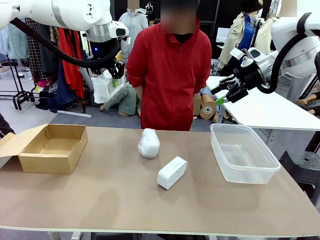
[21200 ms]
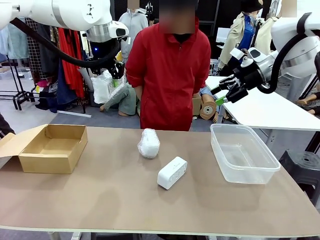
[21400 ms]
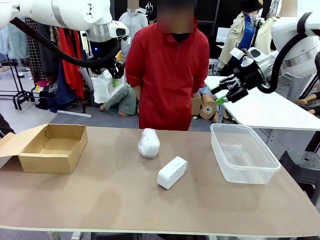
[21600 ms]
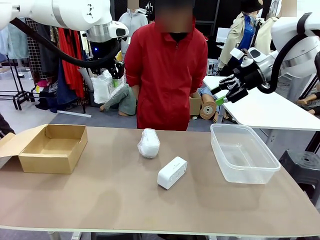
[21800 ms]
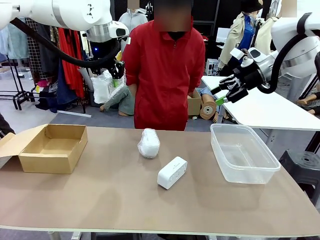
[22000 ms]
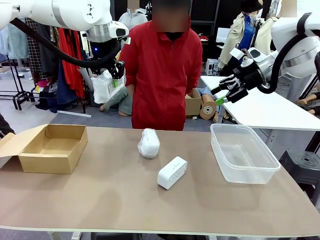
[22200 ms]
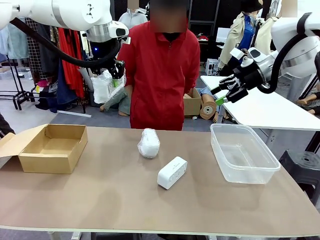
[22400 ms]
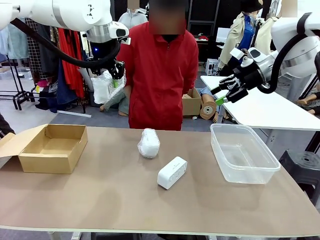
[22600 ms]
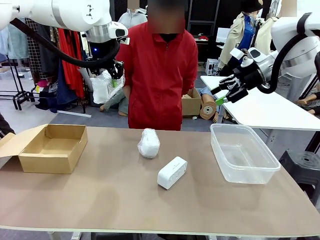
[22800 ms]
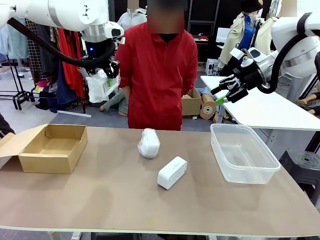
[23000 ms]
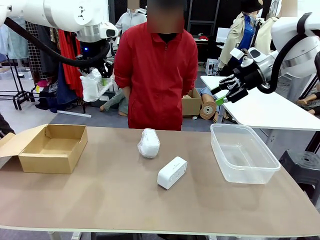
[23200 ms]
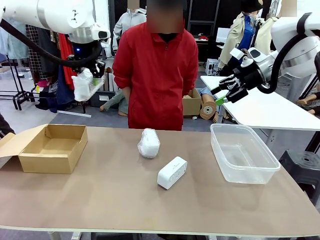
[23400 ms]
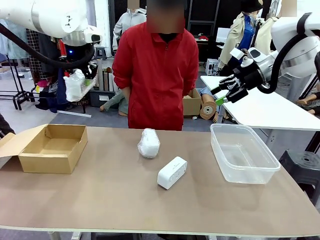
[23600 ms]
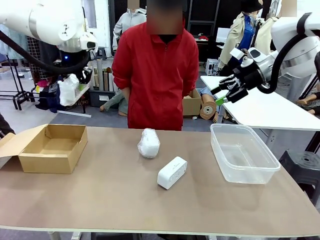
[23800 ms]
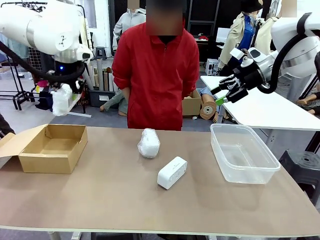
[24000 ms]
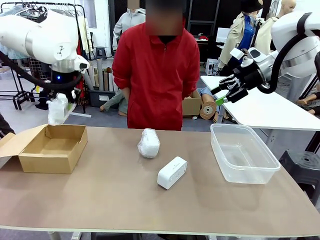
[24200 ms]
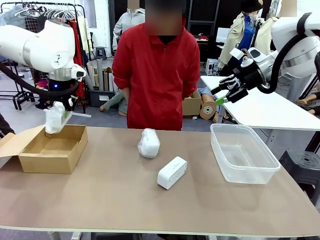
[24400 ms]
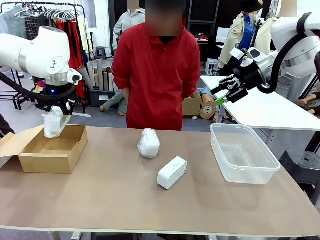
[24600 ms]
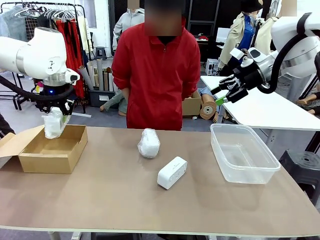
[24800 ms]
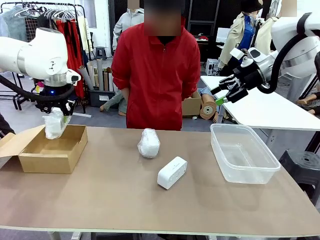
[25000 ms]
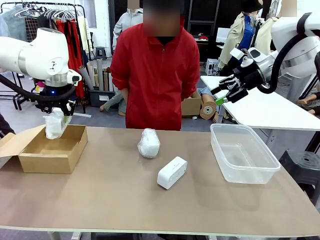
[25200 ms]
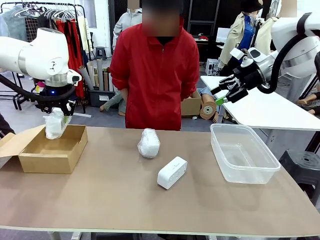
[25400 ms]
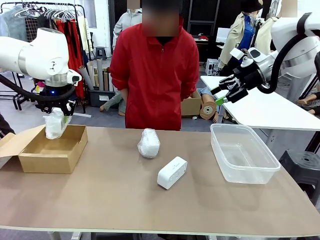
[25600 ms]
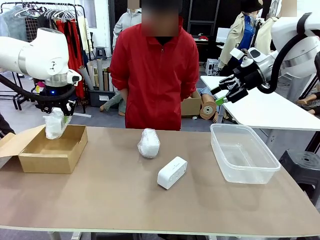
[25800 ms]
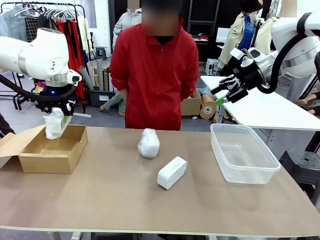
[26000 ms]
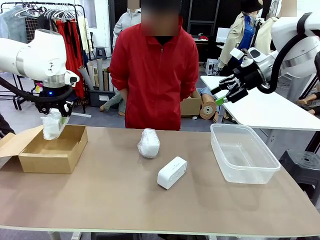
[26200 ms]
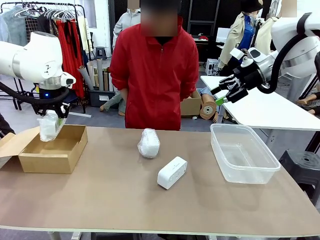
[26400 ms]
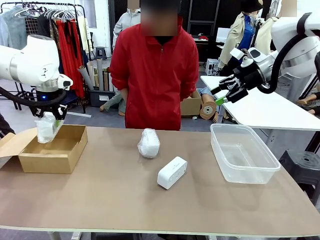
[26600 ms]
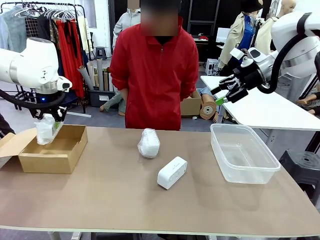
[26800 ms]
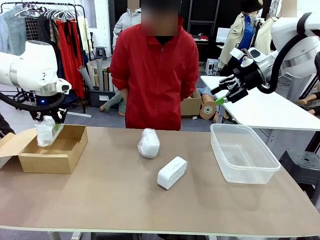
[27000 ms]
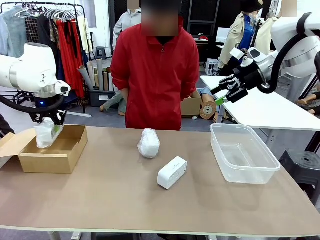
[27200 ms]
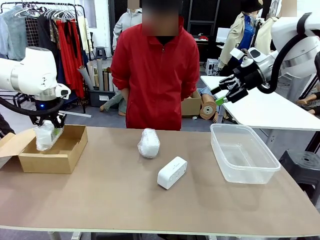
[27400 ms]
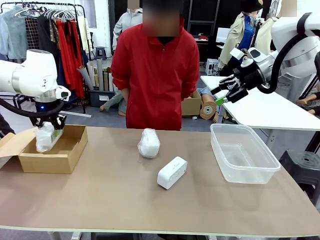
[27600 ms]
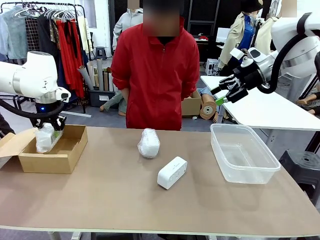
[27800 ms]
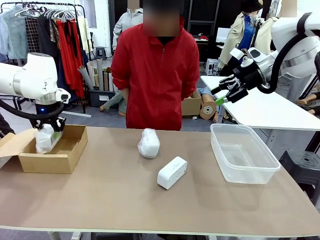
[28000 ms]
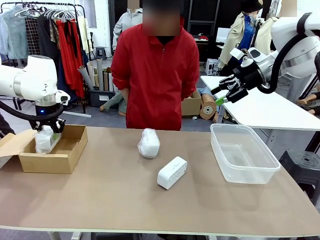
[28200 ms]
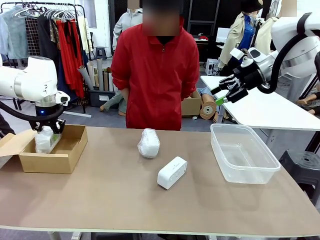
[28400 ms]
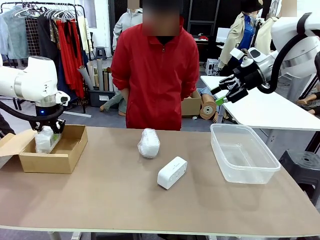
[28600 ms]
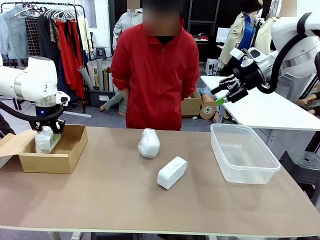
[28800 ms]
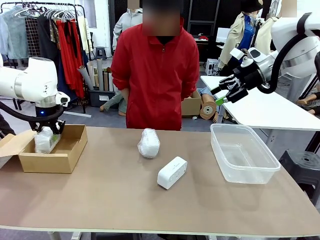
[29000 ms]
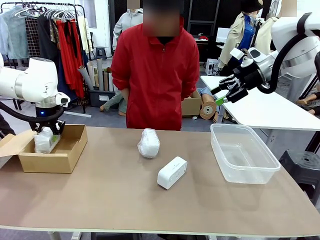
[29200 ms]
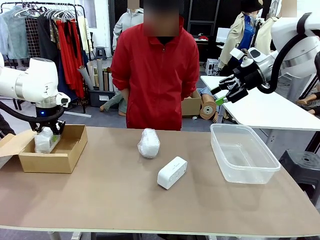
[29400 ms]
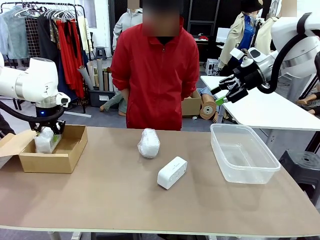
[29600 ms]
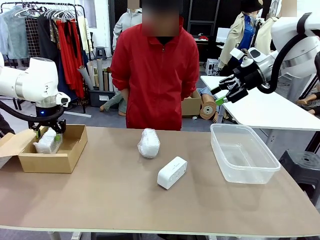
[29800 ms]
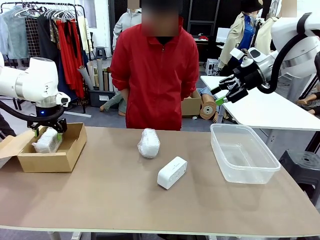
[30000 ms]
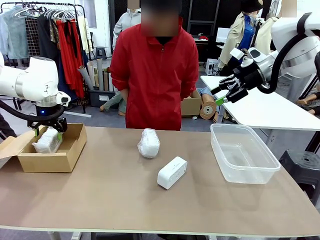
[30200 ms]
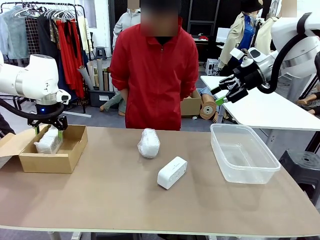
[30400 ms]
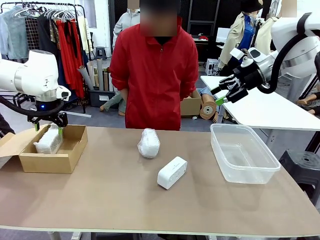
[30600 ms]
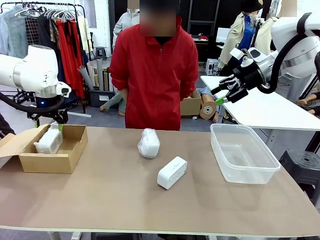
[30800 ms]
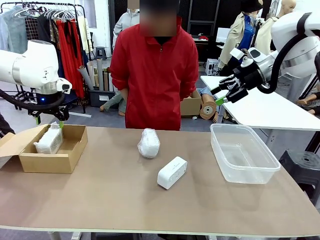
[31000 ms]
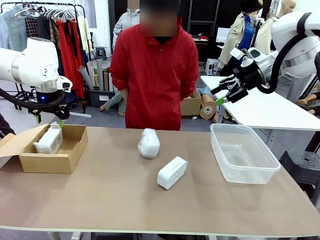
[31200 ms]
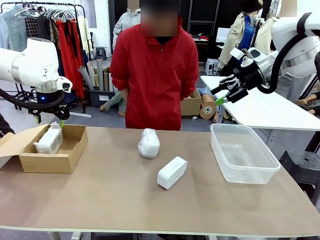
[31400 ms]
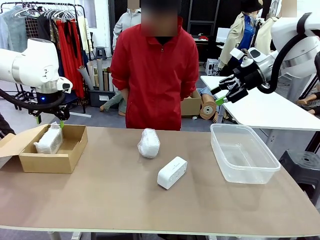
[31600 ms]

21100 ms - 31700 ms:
Task: Separate and place wrapped and unwrapped clocks.
Robot: If the picked Digital clock is wrapped, place it in the Package Box ; if not, place it in the Organizing box.

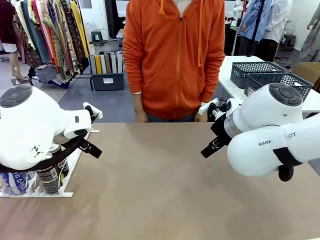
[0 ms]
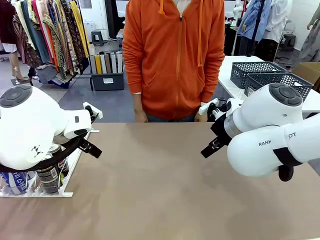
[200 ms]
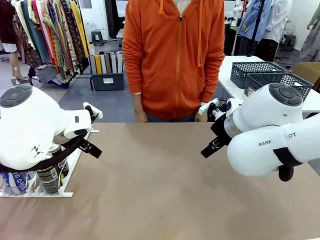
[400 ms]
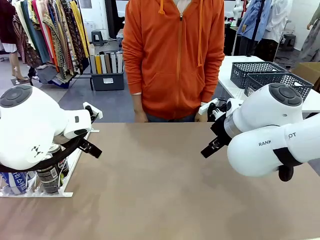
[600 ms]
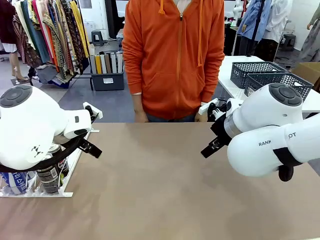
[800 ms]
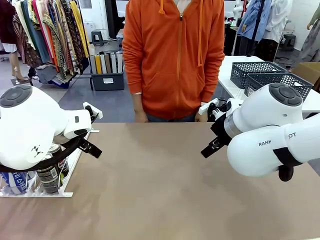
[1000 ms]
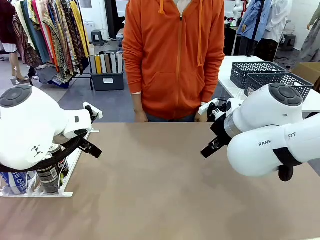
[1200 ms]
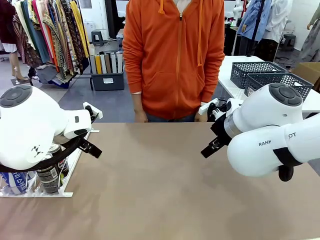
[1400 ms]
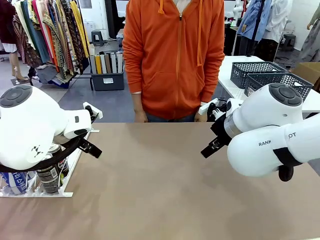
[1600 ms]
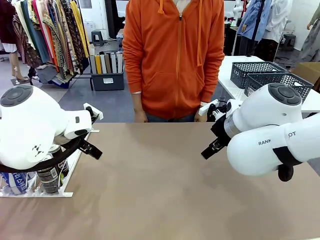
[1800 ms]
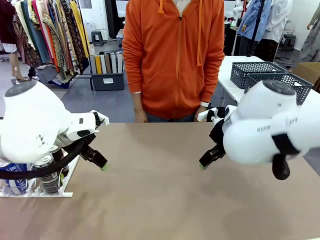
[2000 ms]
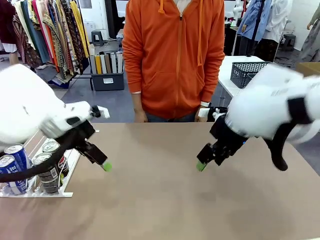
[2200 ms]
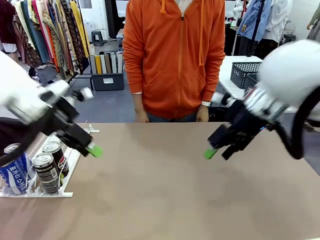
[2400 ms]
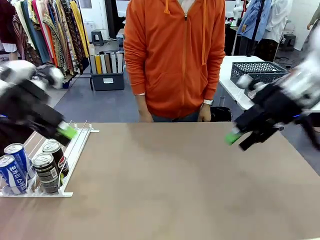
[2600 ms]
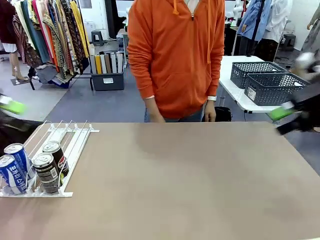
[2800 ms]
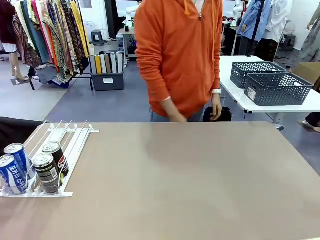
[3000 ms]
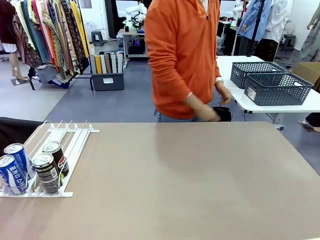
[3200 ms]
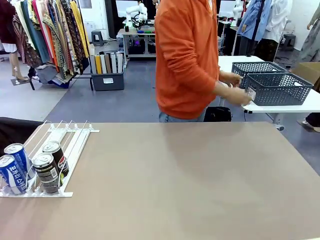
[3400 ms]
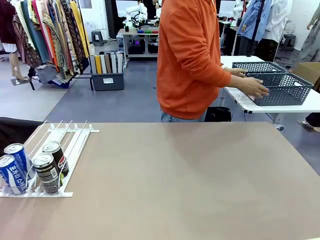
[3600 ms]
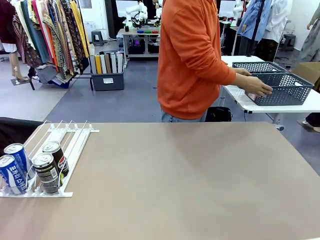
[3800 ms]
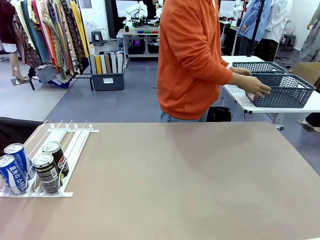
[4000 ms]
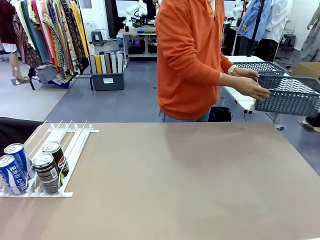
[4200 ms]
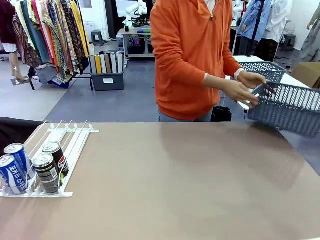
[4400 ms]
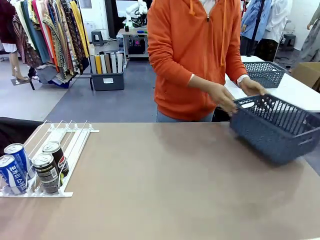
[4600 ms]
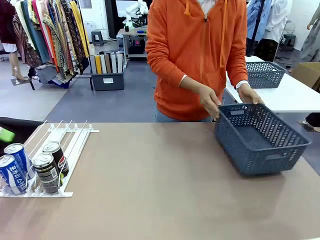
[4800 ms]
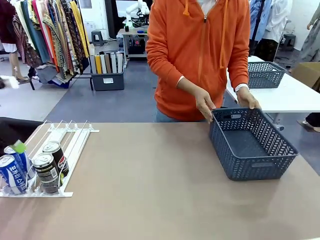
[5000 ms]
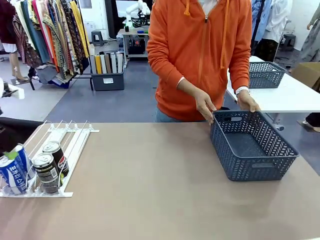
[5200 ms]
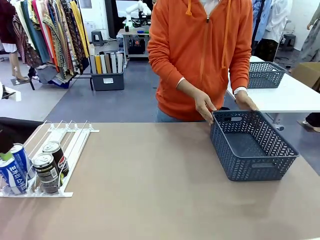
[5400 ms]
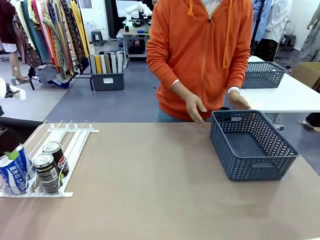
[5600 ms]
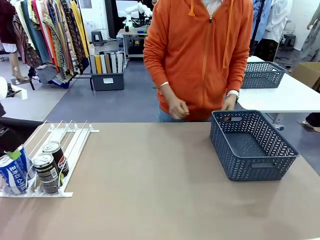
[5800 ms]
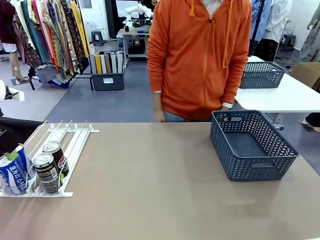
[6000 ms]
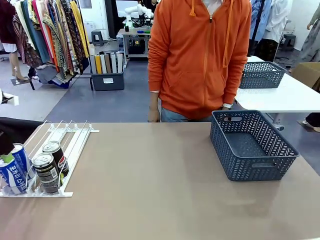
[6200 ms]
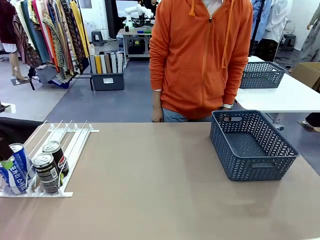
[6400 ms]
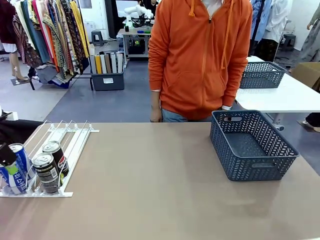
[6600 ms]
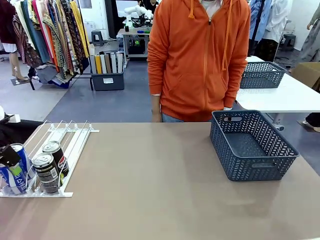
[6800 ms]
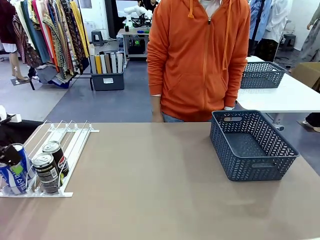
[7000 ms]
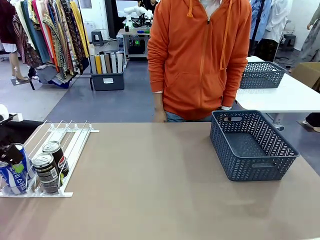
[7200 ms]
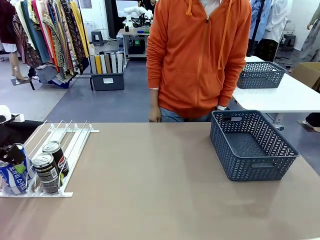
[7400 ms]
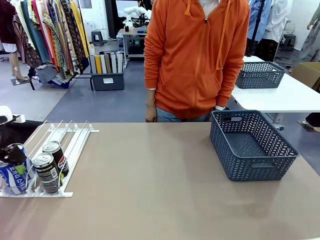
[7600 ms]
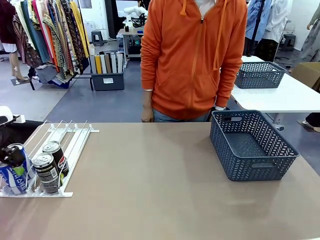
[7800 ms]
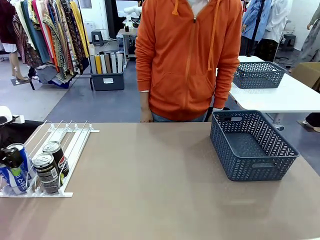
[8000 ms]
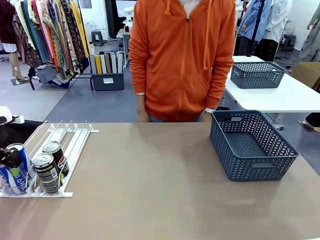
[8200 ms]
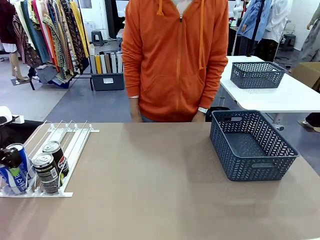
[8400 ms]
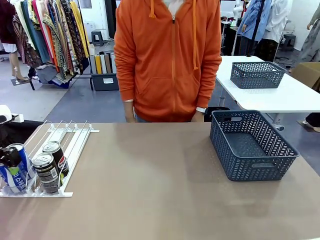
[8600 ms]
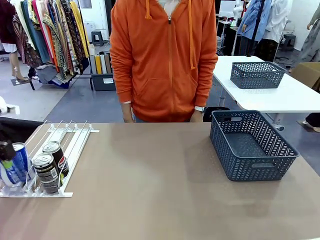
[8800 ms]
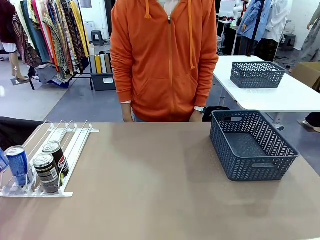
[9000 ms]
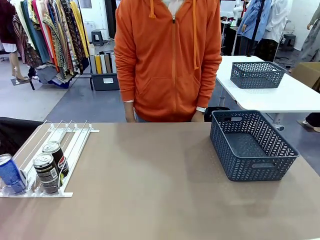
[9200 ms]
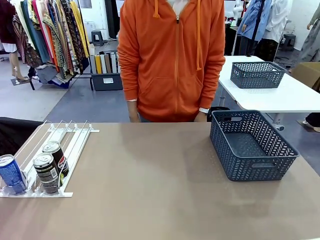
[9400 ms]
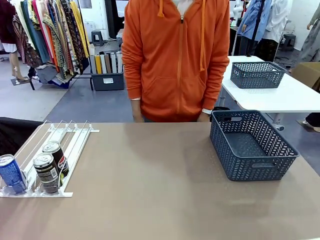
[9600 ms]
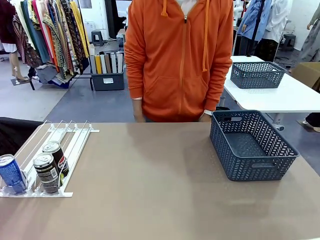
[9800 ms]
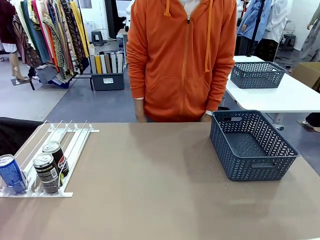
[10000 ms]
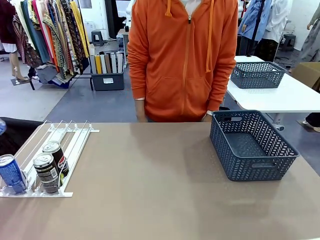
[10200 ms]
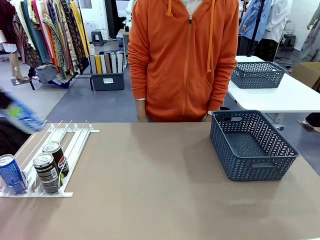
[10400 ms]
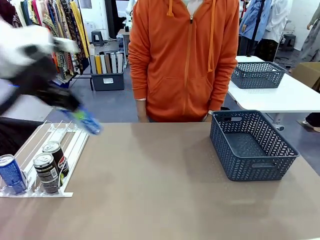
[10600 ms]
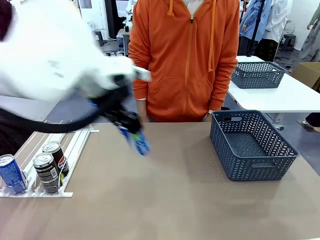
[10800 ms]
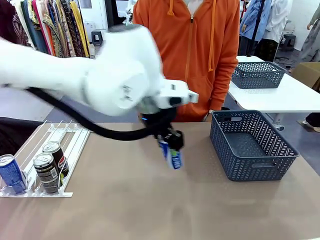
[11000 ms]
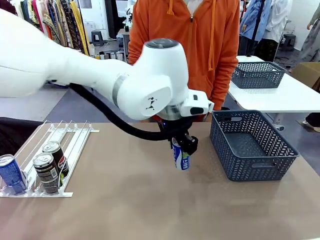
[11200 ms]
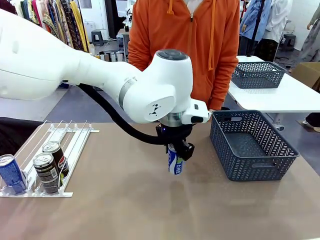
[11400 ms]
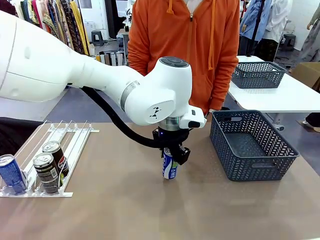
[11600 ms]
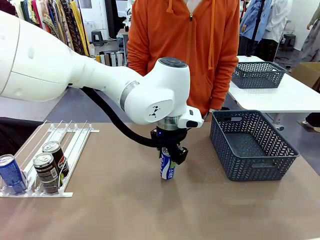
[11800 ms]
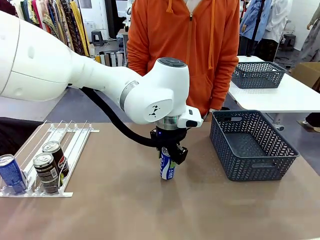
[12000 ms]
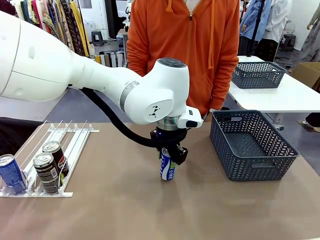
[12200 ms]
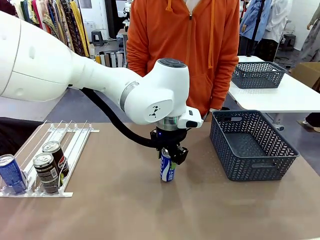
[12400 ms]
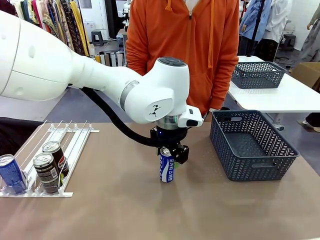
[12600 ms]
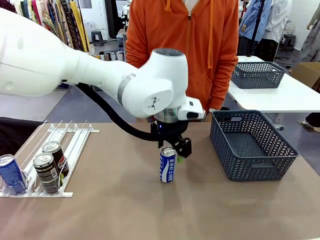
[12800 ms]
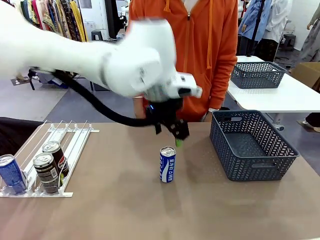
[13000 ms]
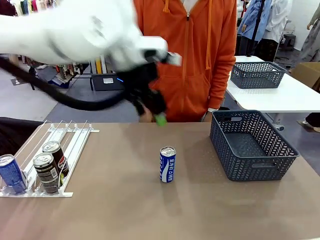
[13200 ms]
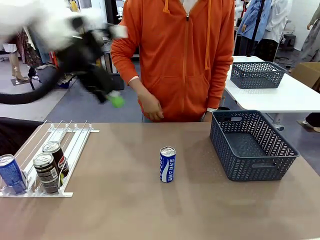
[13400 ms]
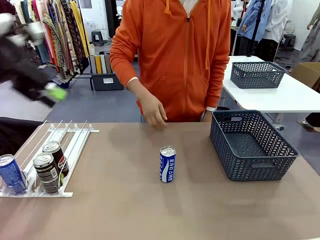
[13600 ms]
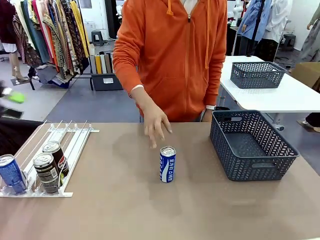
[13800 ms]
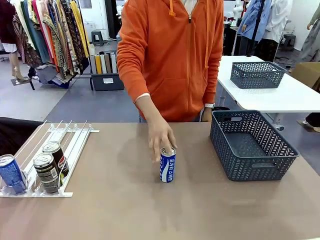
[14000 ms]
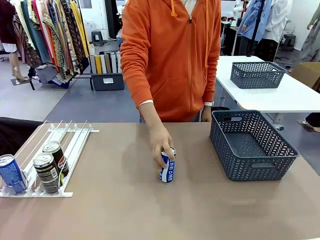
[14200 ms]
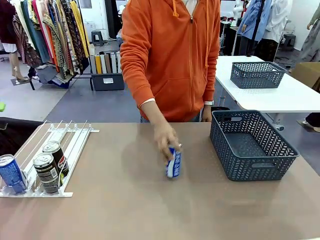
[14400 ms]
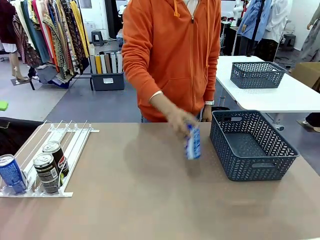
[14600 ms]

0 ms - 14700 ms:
Task: Retrieve and store the cans from the dispenser.
Robot: Pick up one can from the Automatic Can Dispenser and place it in the middle of the table.
Person: Pick up the basket and place it on the left side of the robot table.
